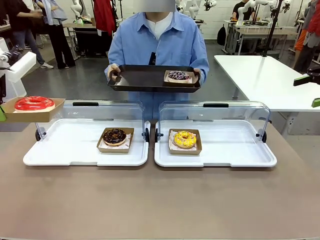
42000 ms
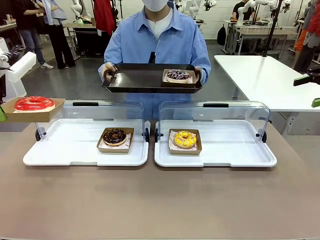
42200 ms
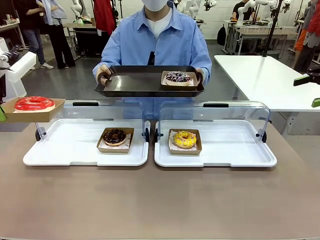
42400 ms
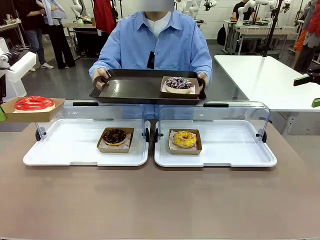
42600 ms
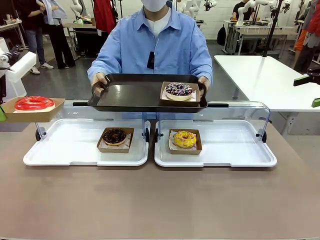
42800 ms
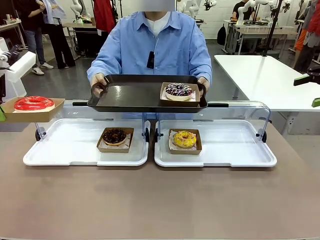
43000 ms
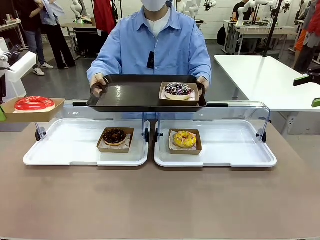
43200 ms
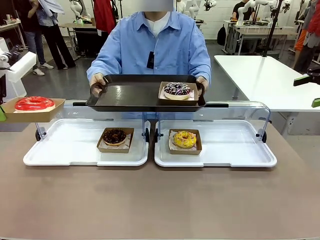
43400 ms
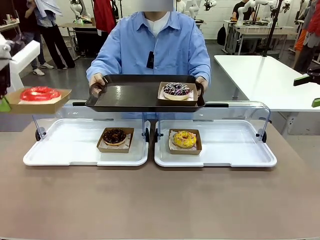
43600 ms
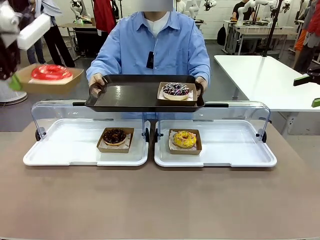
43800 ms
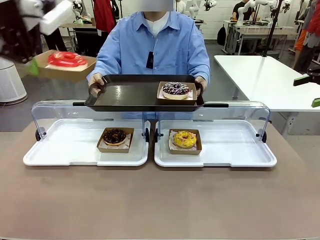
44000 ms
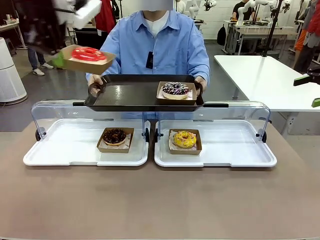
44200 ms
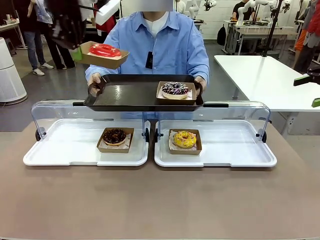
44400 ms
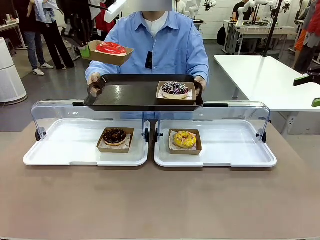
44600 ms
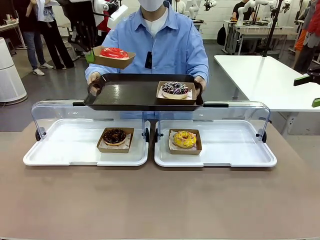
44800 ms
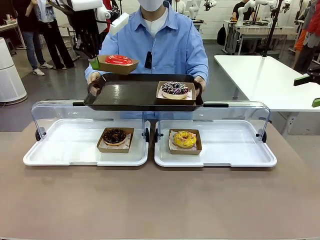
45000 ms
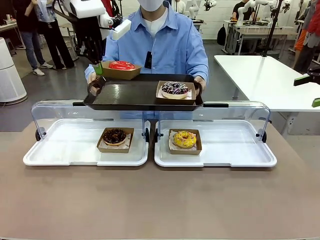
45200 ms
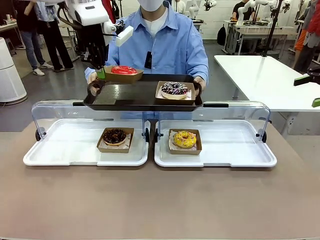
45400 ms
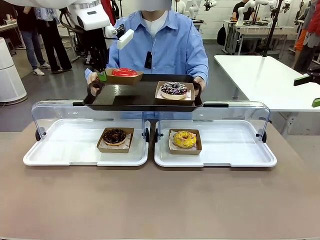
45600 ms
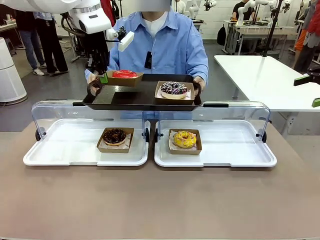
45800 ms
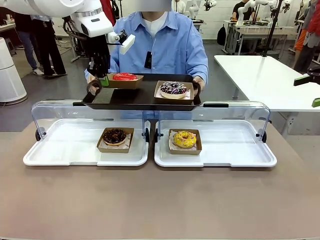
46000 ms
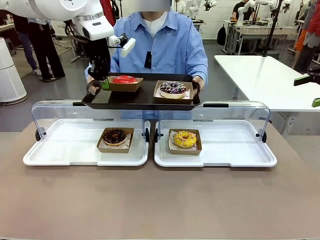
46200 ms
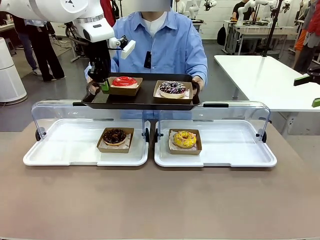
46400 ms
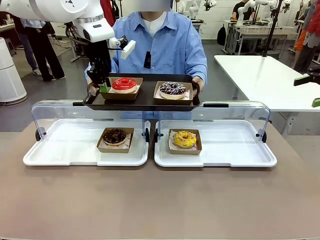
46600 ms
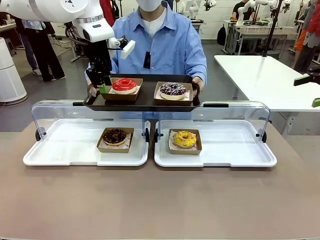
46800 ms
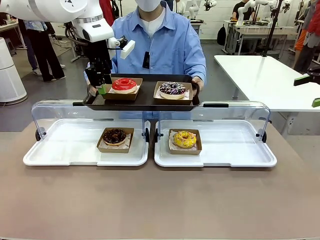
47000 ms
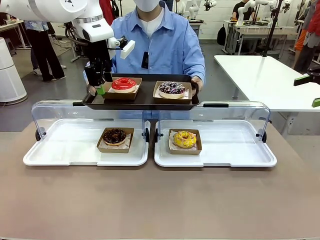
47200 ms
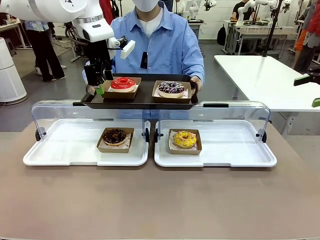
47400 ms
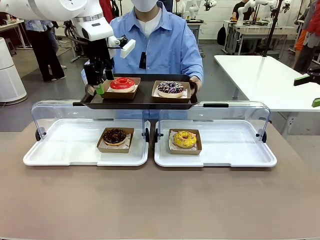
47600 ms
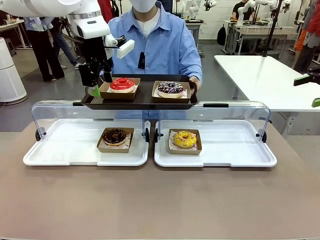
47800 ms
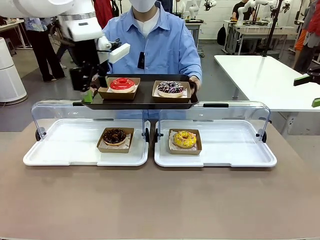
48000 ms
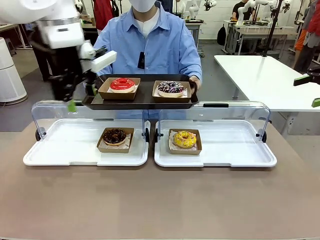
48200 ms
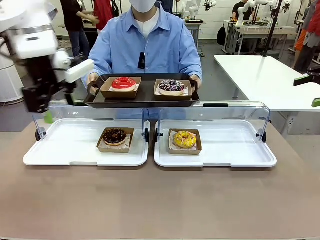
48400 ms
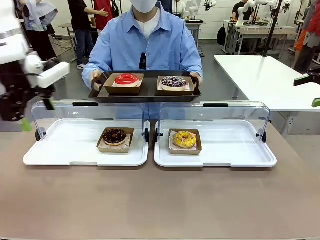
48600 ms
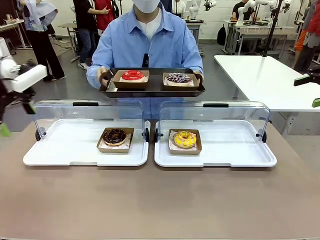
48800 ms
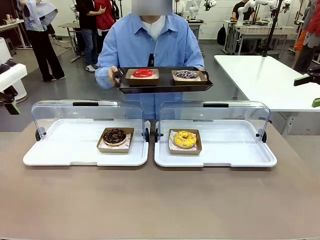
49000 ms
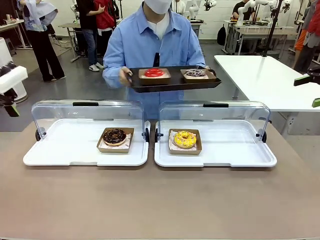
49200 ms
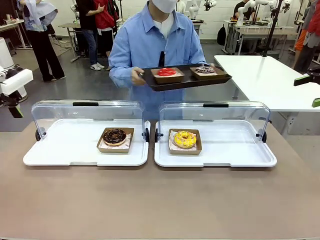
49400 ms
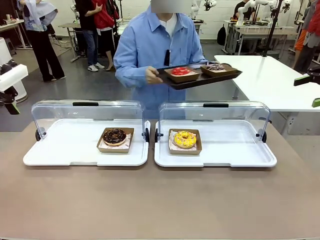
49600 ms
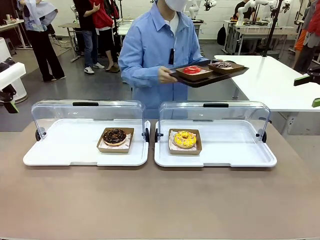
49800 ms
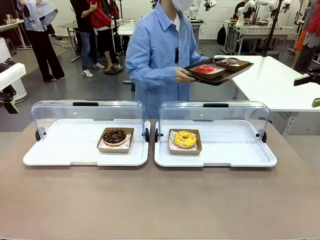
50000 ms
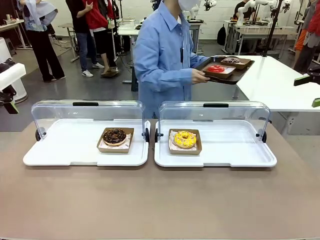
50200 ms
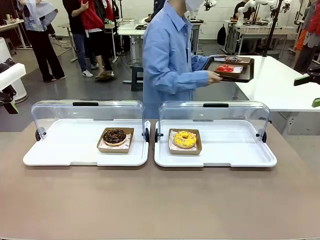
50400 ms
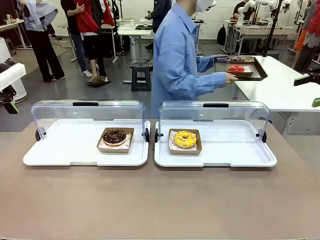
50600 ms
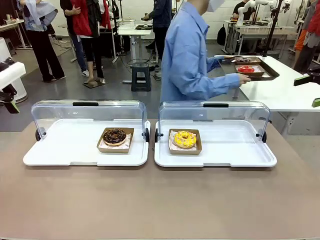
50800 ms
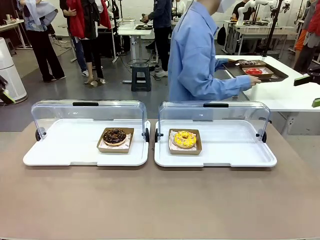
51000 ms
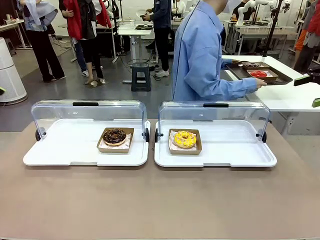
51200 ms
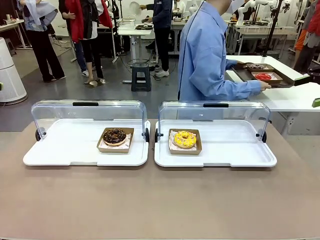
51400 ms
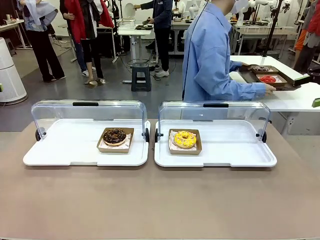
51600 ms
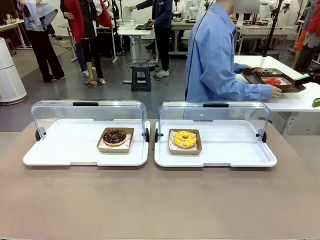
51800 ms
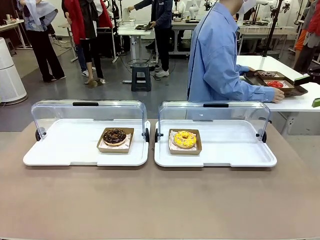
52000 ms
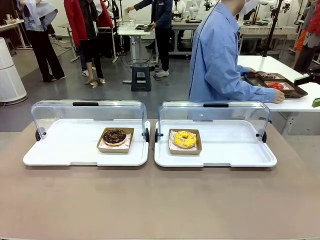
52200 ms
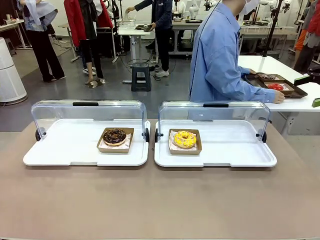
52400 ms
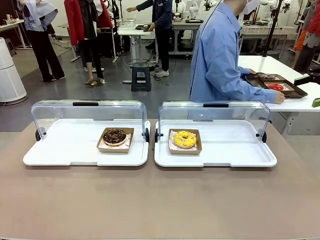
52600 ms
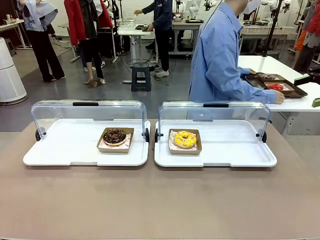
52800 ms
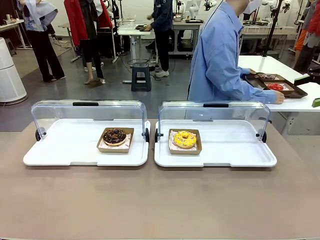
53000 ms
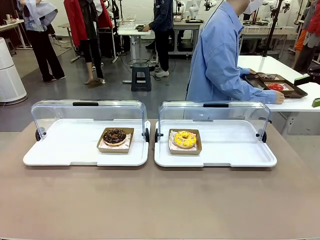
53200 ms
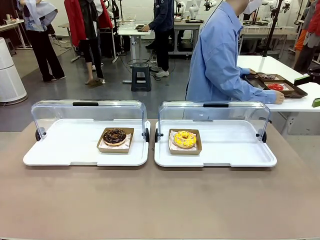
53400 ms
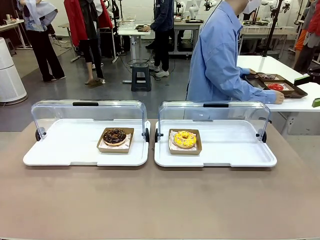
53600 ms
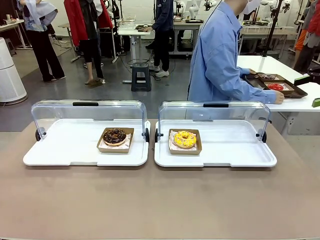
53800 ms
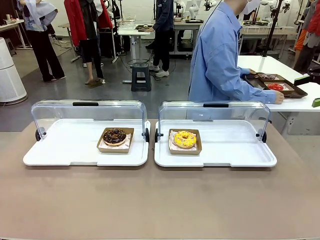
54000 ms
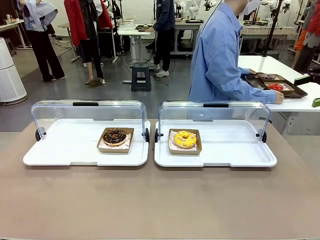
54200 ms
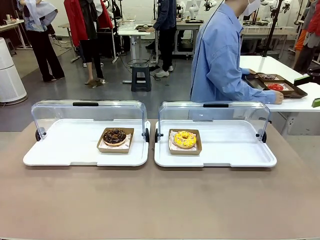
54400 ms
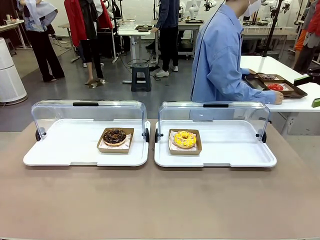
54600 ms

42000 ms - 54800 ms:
Task: Provide the desired donut to the person.
Robot: Place the picked Paper togo box onto the Handle tray extended by the person.
Person: Place the tray in the middle of the human table.

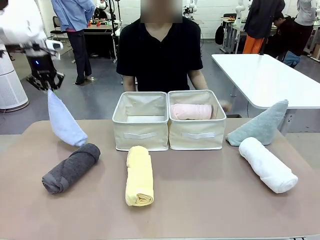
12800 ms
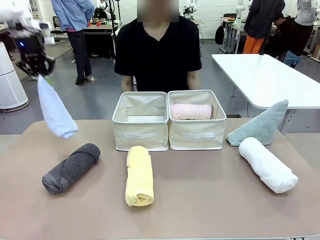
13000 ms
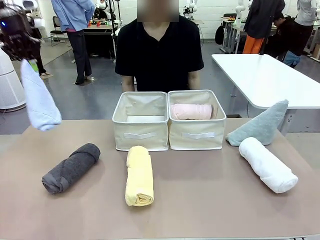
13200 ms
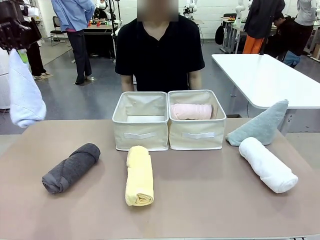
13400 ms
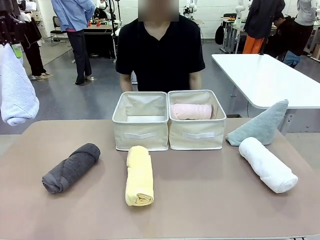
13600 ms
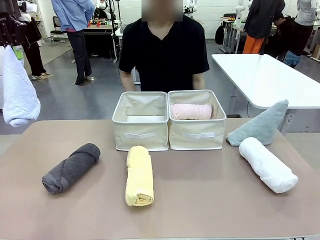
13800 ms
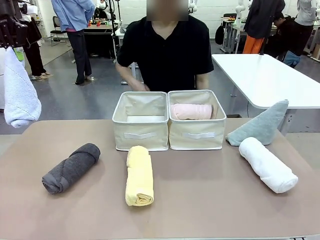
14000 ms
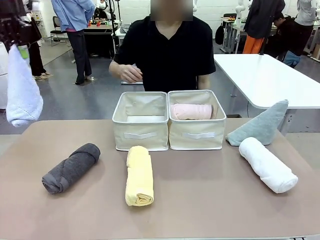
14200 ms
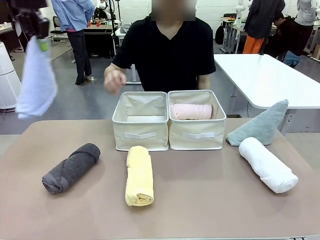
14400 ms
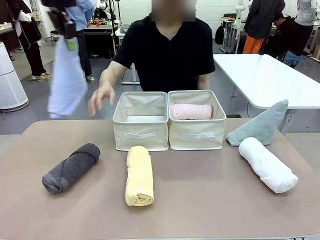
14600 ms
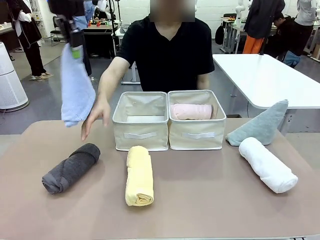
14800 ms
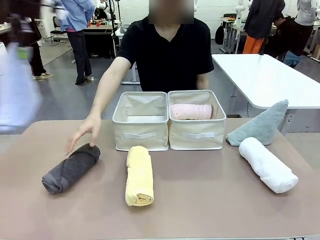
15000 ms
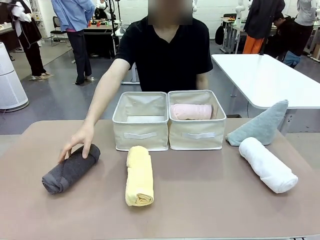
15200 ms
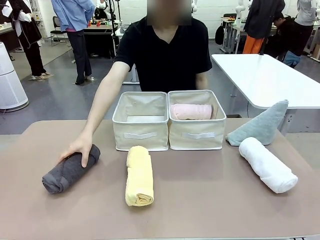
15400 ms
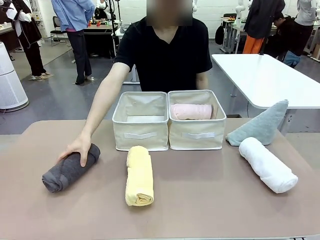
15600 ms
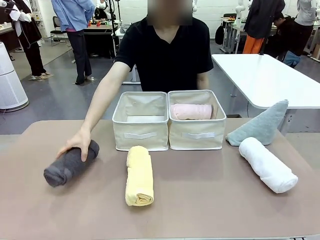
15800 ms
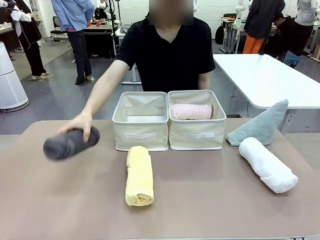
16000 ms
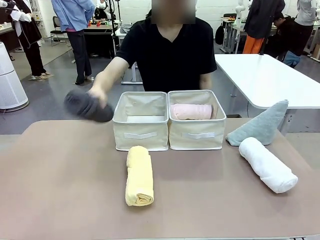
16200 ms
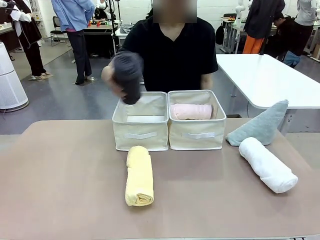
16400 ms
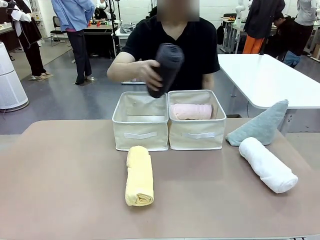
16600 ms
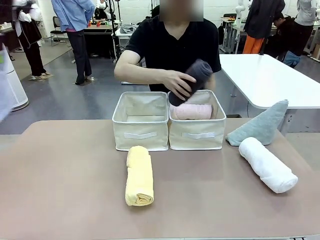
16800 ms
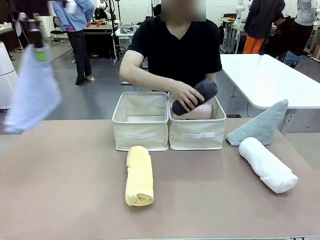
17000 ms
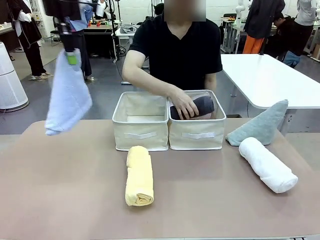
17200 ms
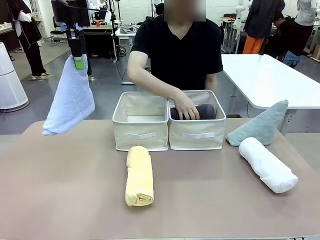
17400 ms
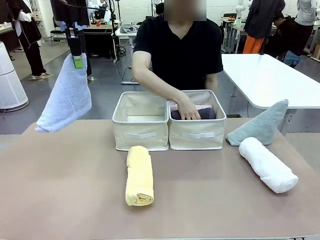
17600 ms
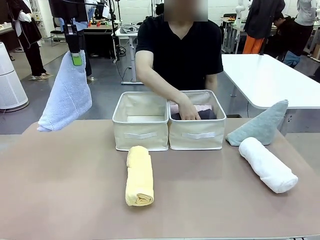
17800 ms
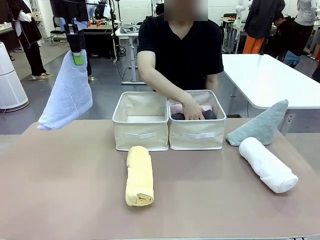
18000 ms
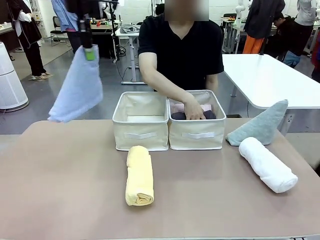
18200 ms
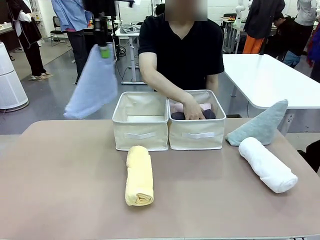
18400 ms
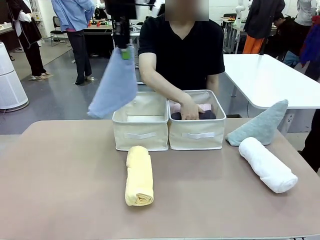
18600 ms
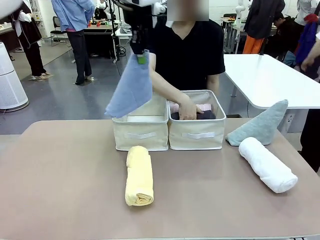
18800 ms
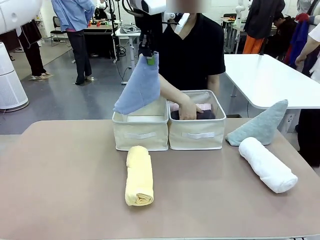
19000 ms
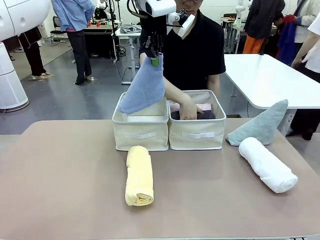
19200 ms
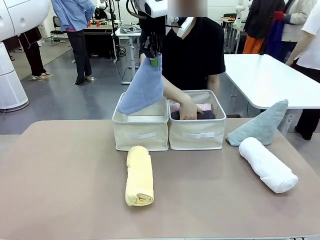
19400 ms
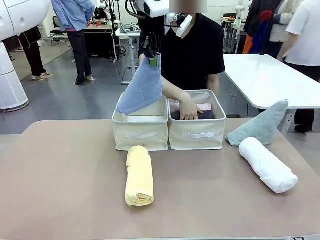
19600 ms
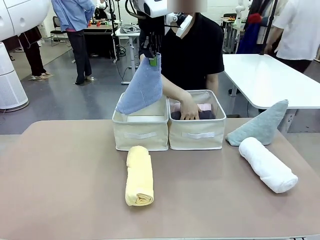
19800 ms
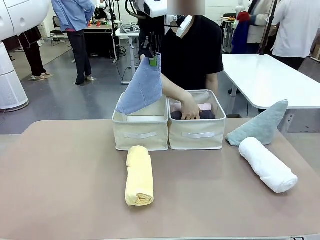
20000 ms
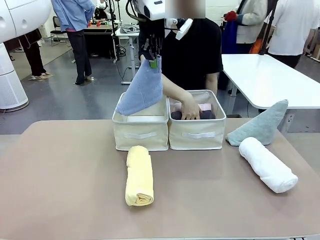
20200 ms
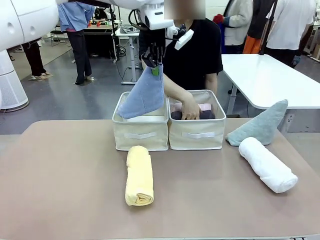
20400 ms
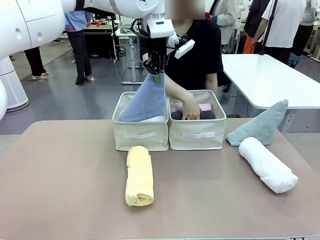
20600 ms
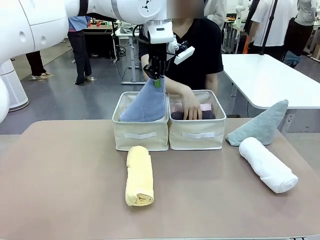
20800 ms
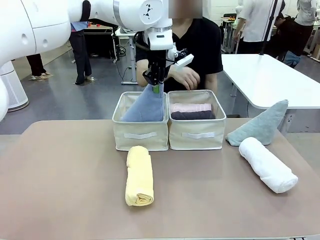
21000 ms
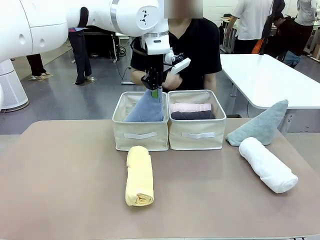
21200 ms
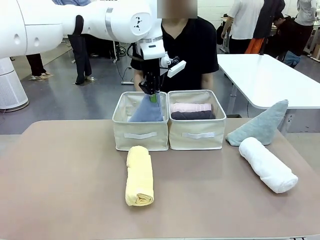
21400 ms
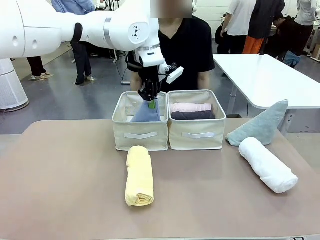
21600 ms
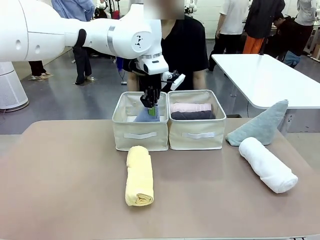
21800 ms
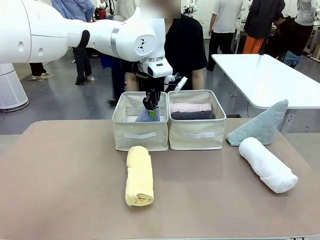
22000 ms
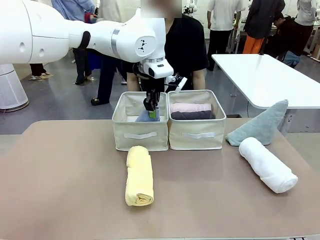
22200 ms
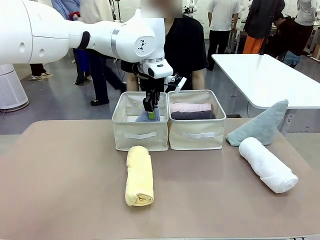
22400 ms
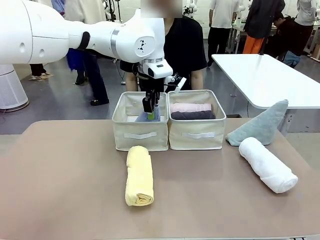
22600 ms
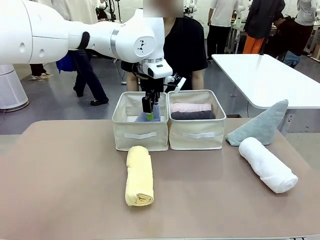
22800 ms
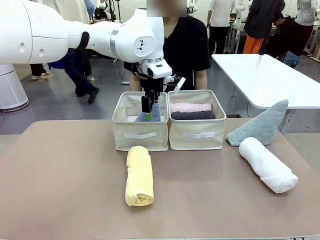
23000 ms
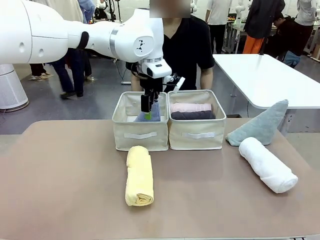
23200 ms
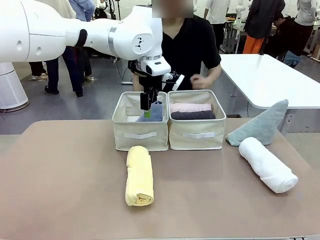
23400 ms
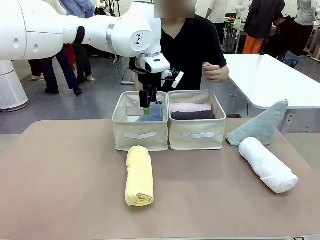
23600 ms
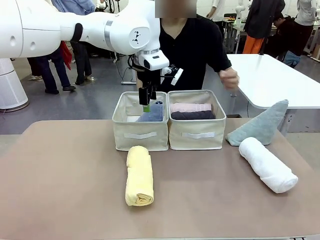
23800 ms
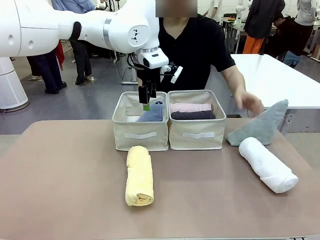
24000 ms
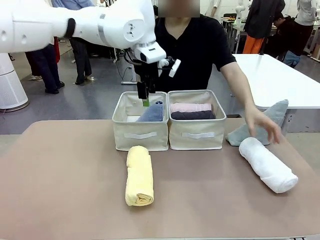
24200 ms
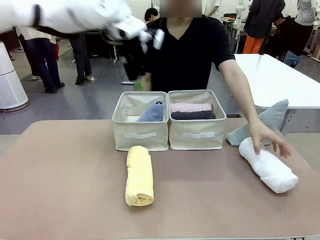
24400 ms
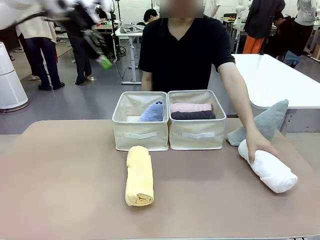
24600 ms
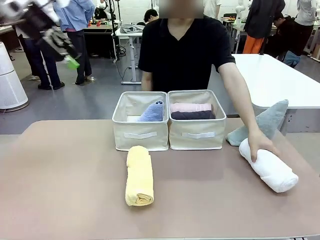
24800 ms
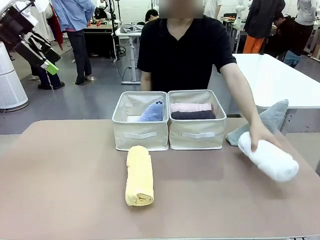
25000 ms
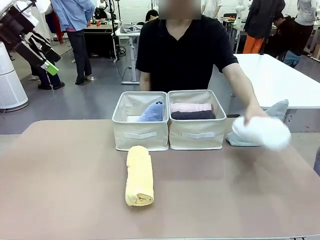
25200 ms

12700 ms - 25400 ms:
Task: Sort the towels based on their folding style.
Robot: Pick up one triangle-folded towel and place it in the left Fabric basket.
